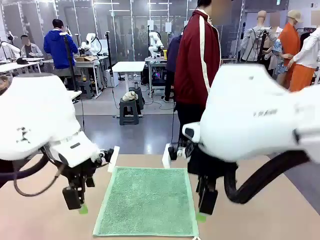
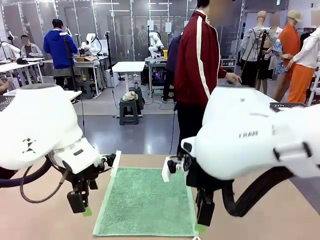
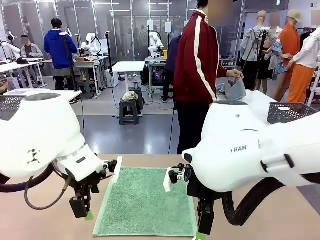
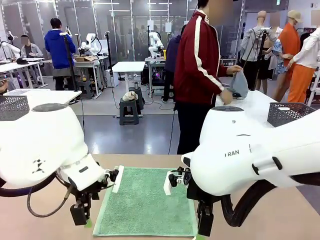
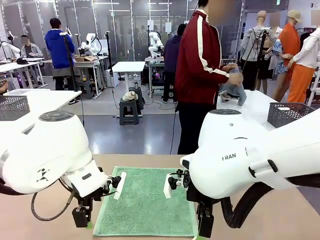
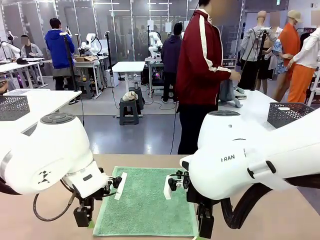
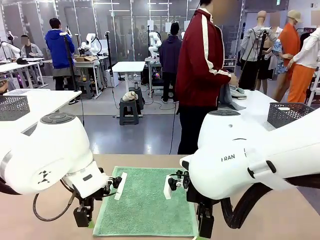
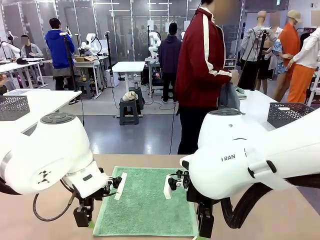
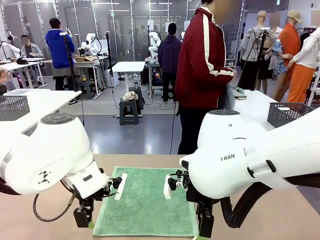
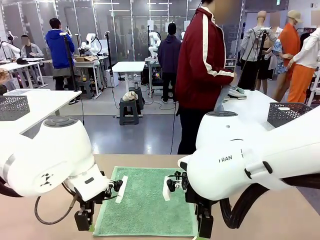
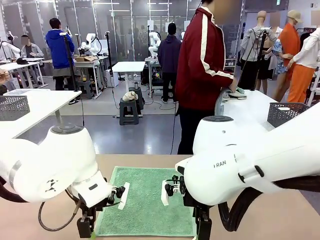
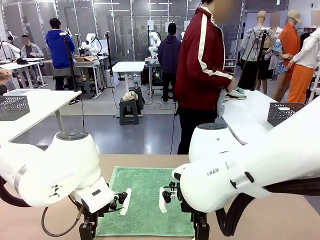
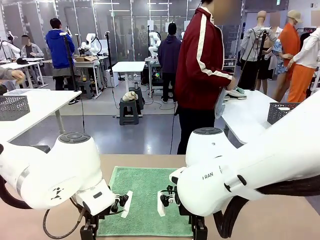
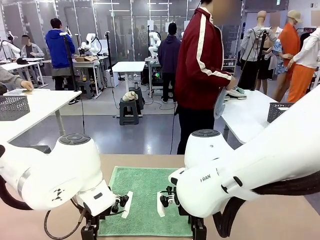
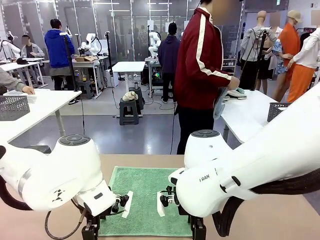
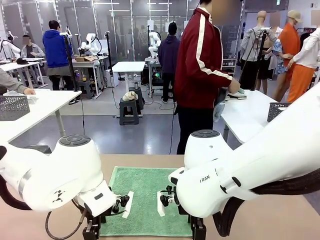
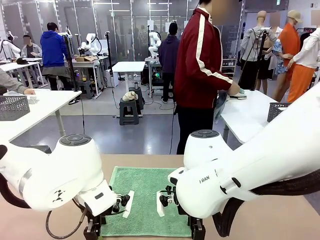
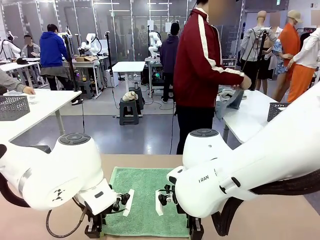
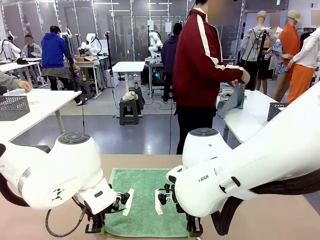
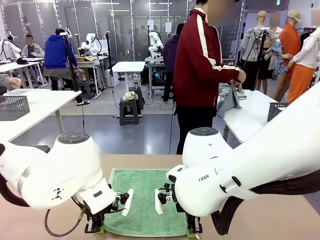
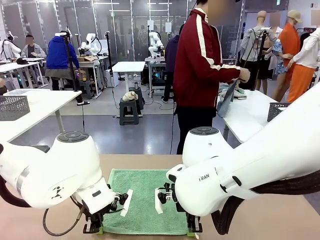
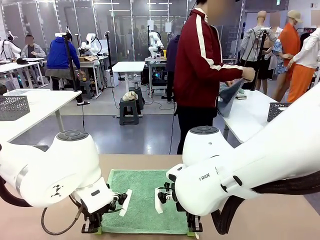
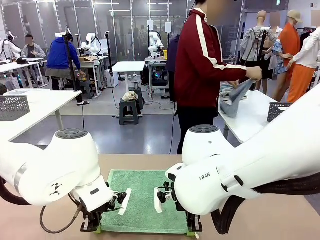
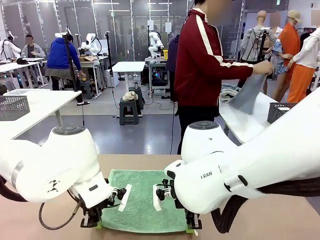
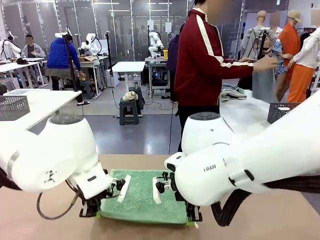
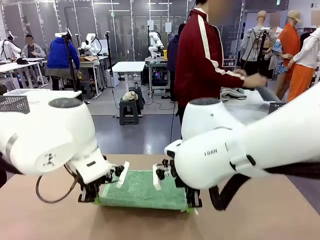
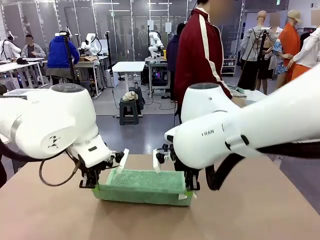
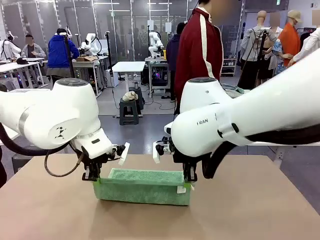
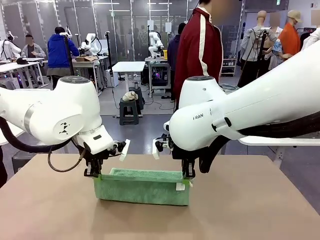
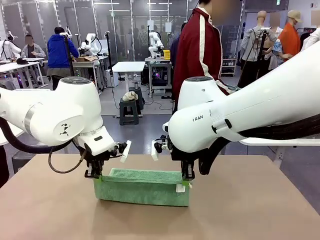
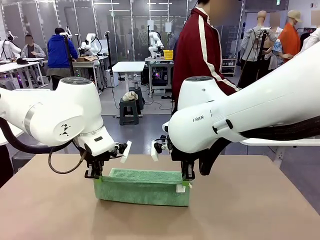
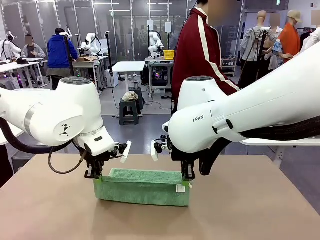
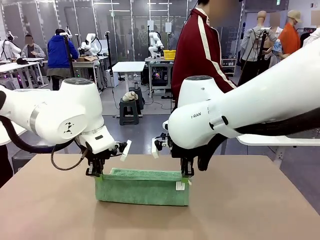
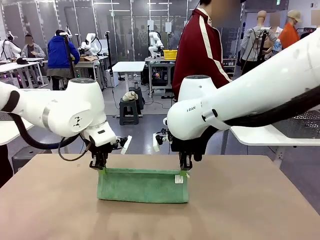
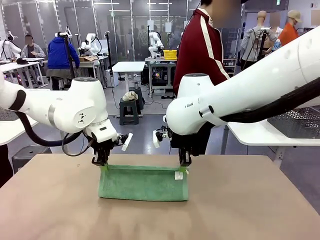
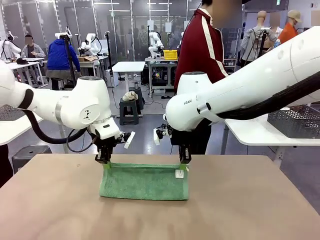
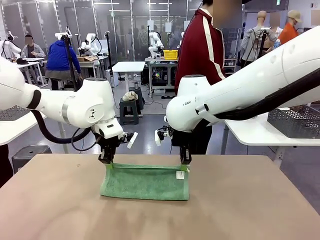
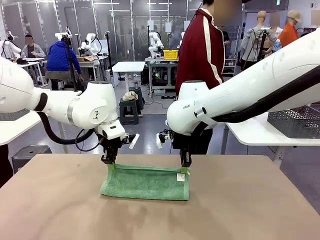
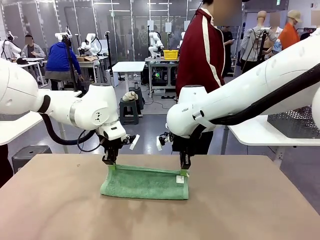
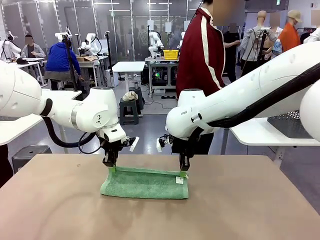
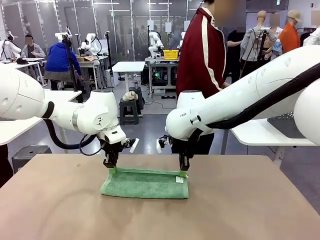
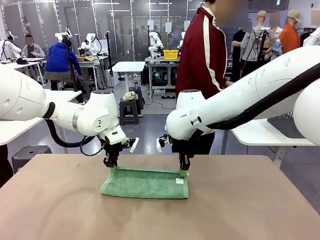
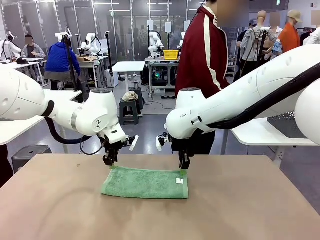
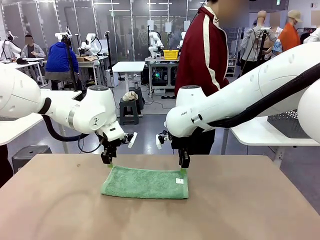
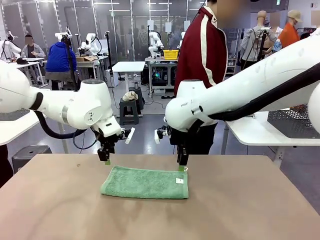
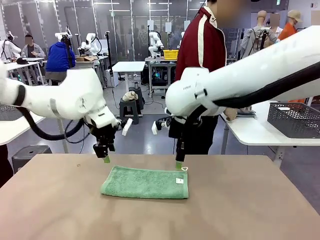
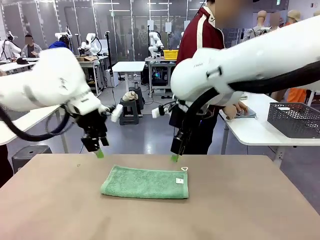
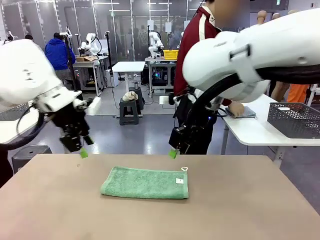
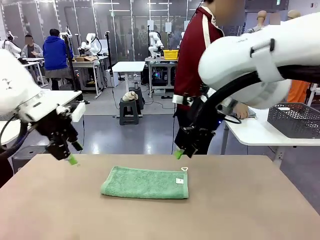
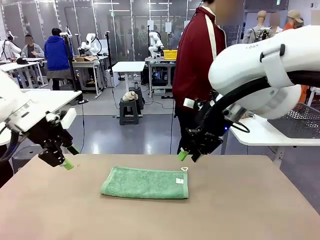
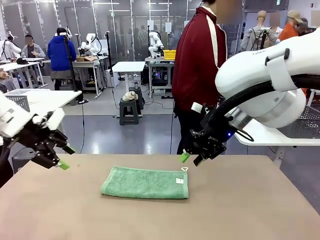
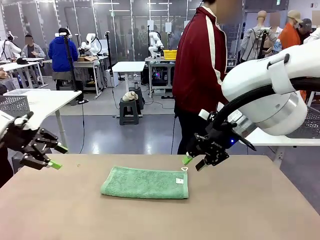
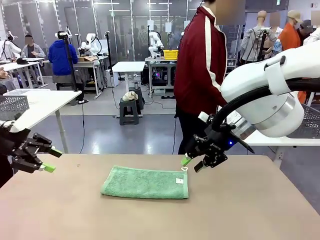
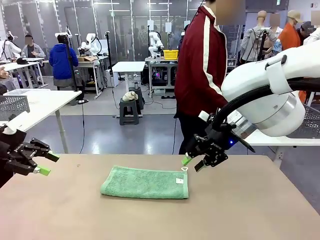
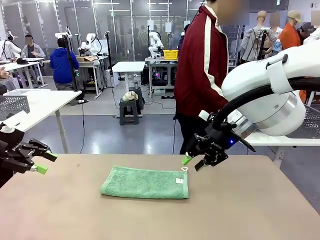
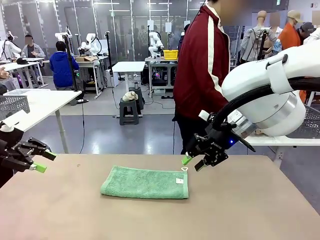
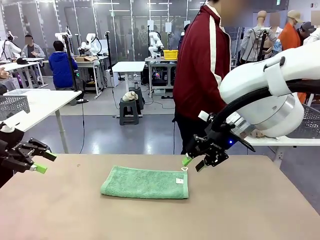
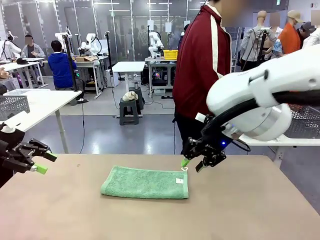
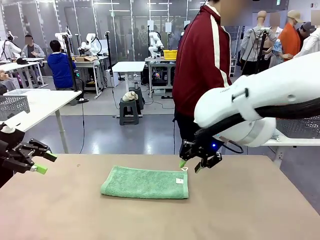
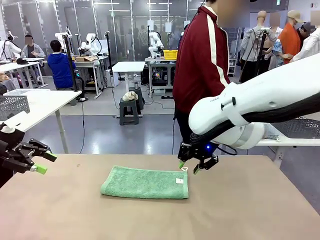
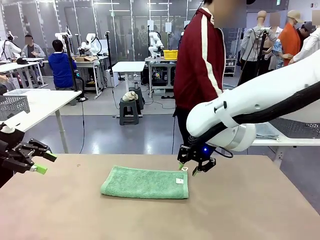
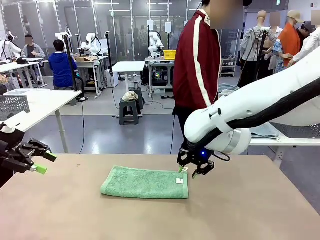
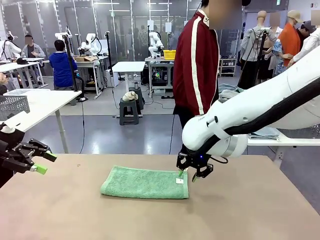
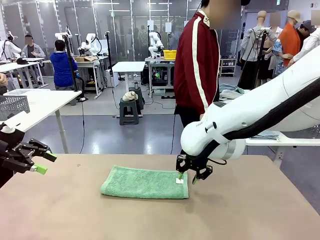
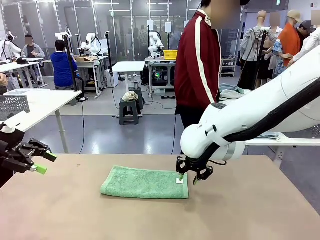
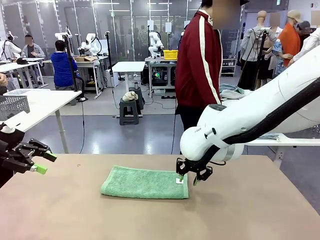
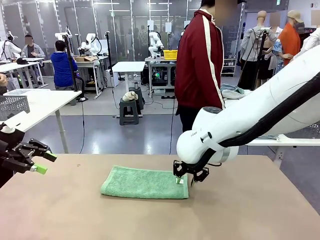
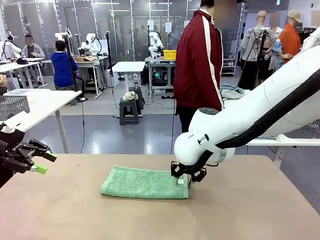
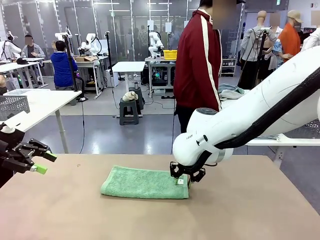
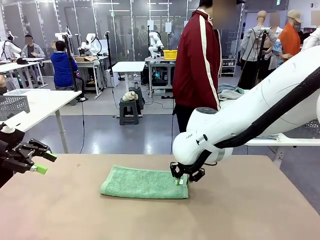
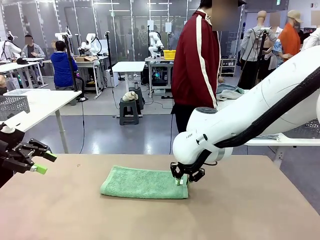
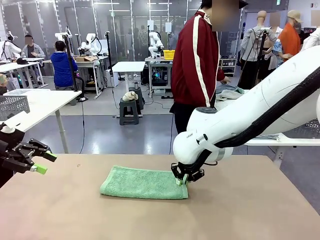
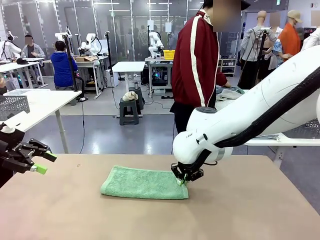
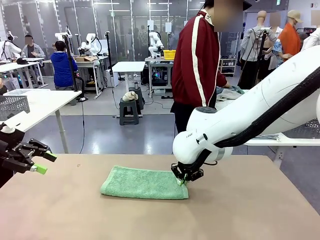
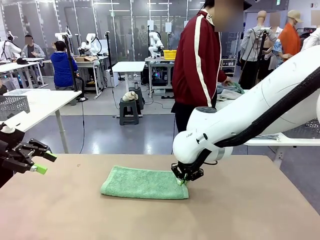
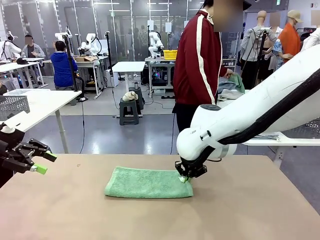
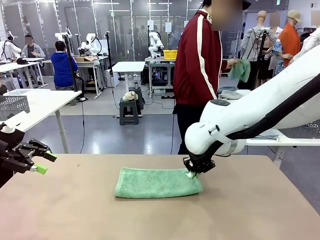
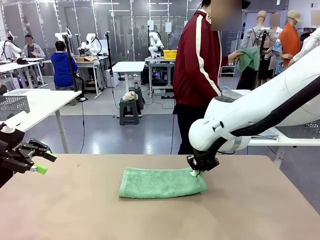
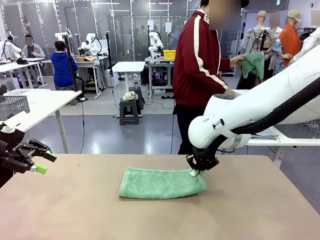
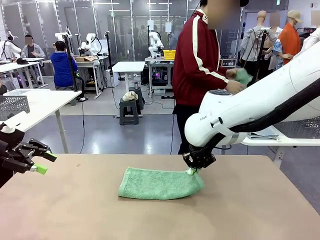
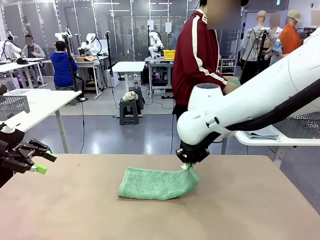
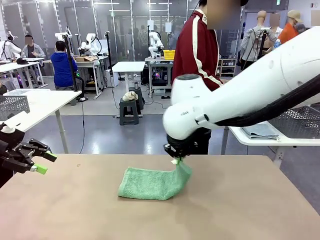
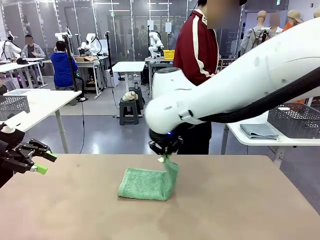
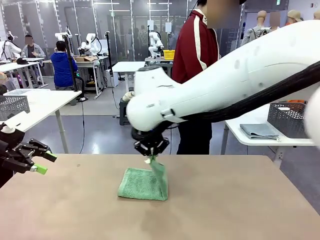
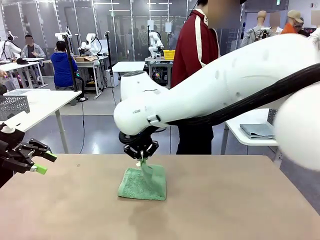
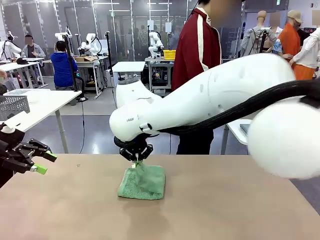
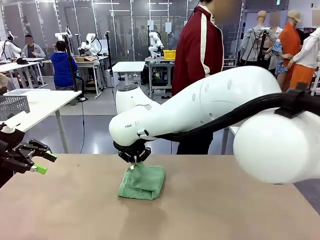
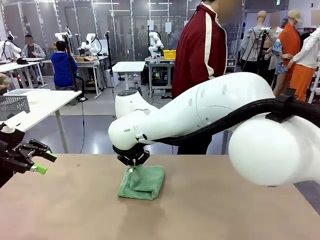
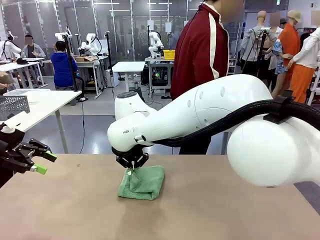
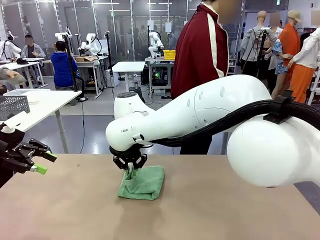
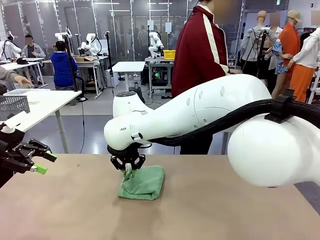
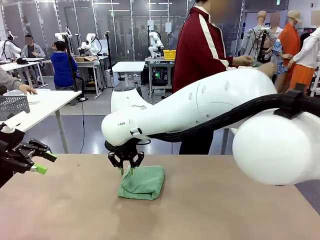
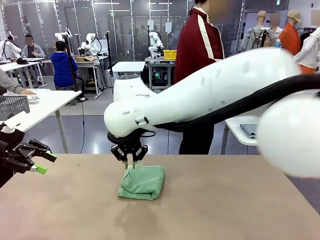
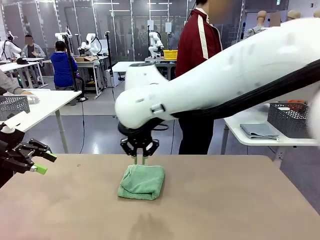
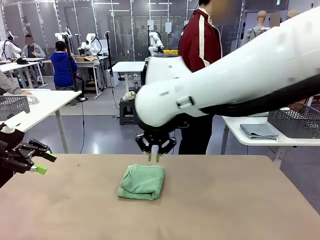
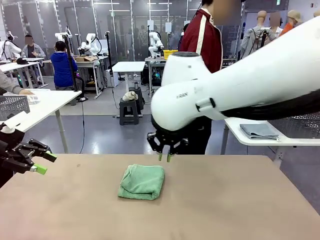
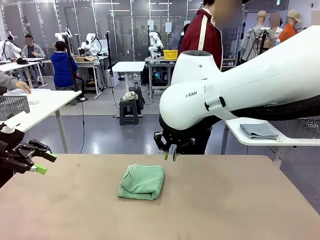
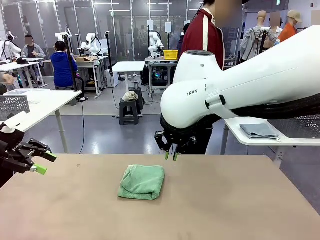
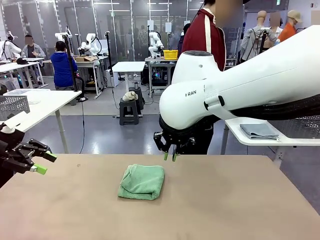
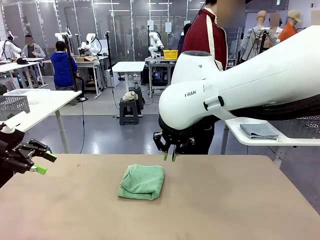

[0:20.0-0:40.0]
Task: Fold the towels and place them in the basket.
Robot: When a person lays out a Towel with hook on the table, fold it in half twice.
Person: Pick up one towel from the left side of the human table, fold it in half twice, and place it on the right side of the table. Pick up one towel from the left side of the human table, fold it in half twice, and stack it on the right side of the table.
